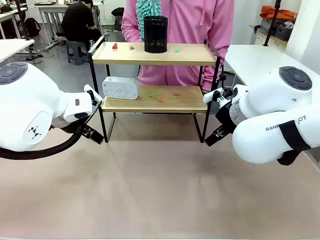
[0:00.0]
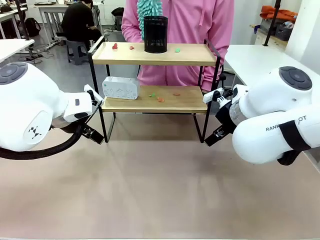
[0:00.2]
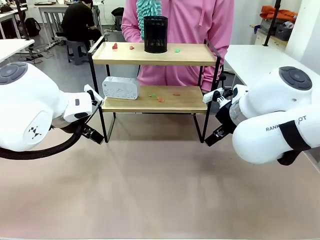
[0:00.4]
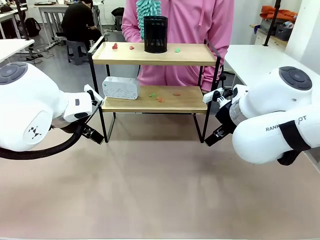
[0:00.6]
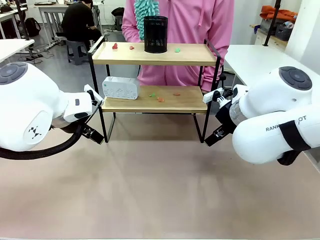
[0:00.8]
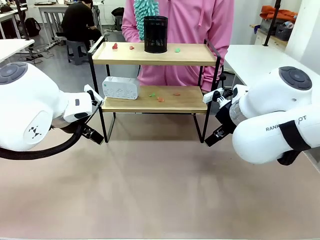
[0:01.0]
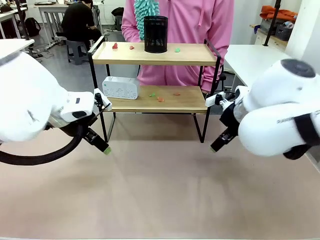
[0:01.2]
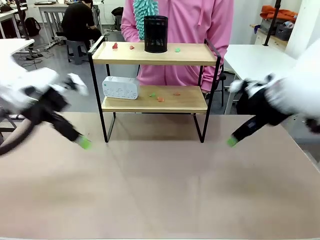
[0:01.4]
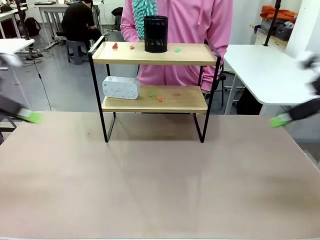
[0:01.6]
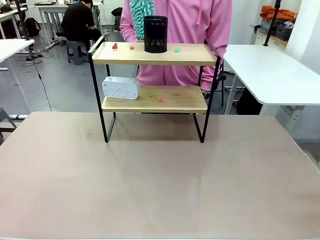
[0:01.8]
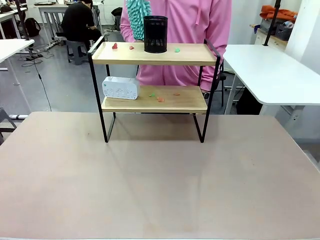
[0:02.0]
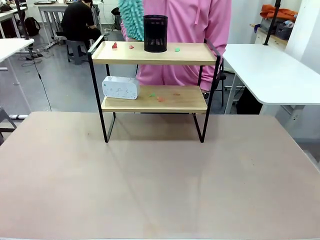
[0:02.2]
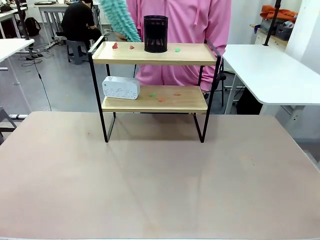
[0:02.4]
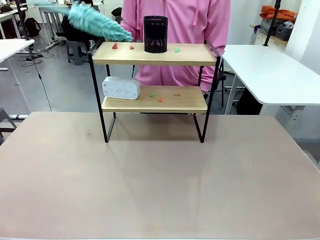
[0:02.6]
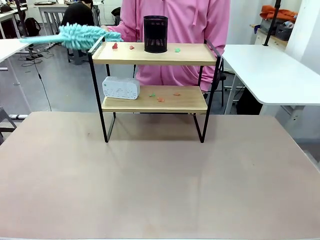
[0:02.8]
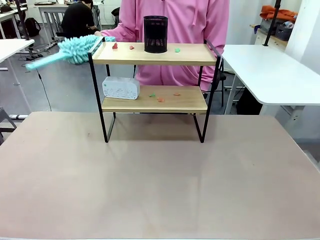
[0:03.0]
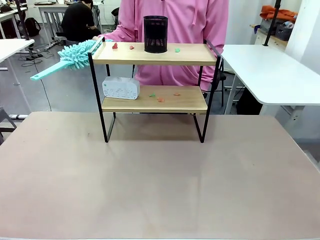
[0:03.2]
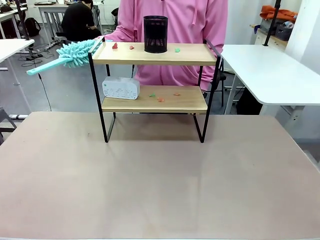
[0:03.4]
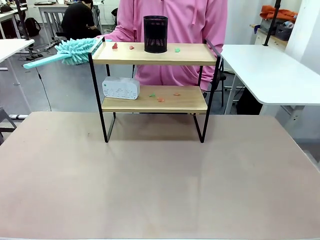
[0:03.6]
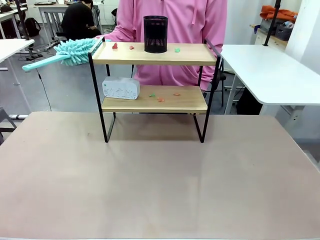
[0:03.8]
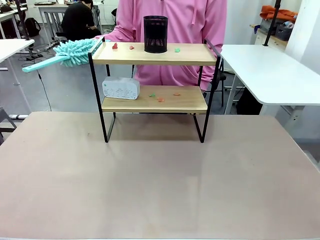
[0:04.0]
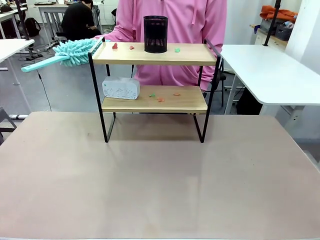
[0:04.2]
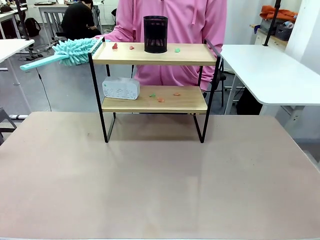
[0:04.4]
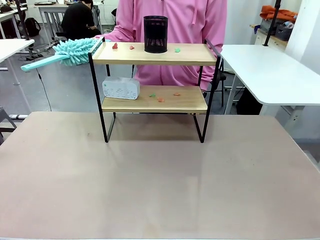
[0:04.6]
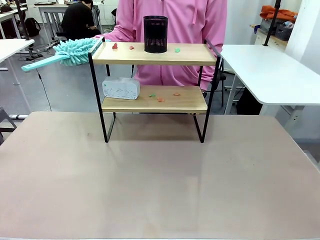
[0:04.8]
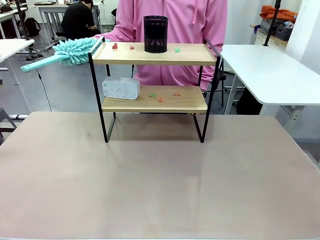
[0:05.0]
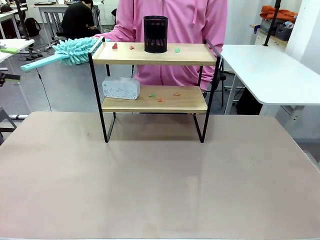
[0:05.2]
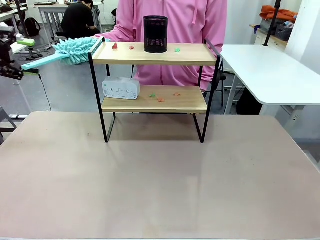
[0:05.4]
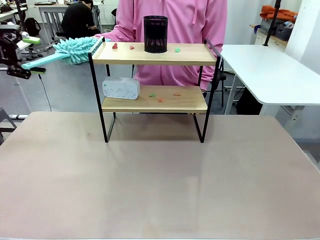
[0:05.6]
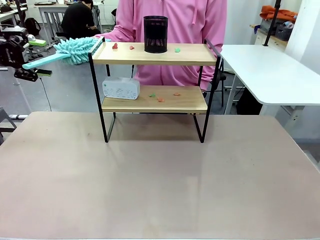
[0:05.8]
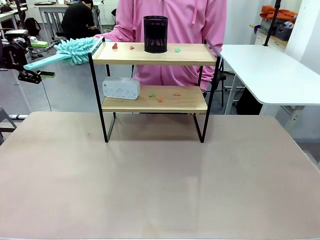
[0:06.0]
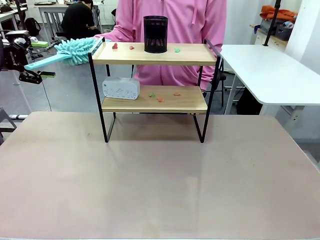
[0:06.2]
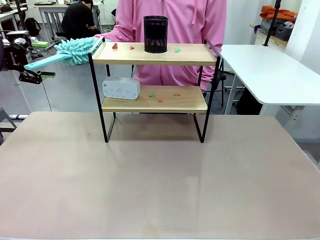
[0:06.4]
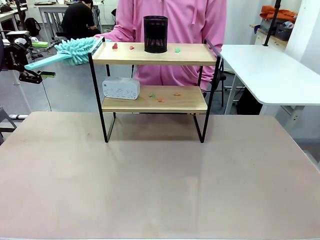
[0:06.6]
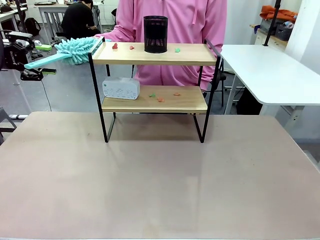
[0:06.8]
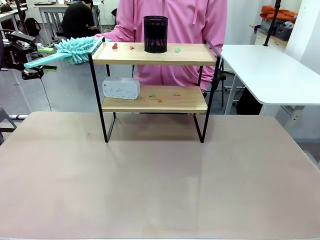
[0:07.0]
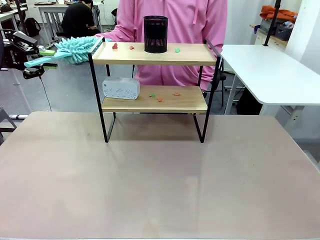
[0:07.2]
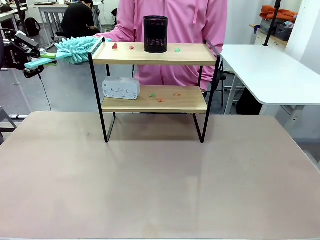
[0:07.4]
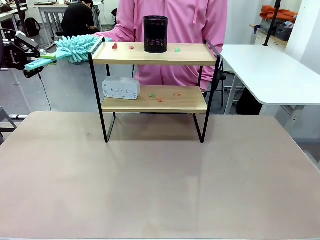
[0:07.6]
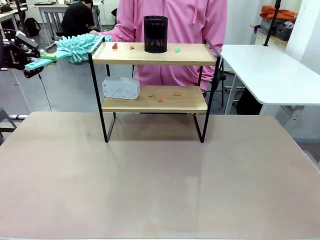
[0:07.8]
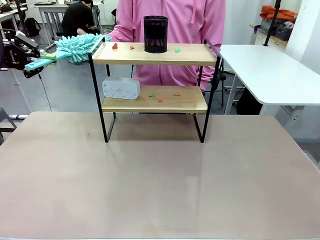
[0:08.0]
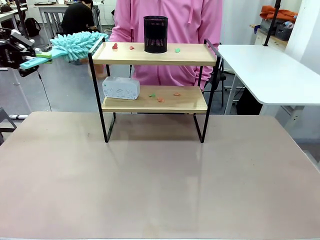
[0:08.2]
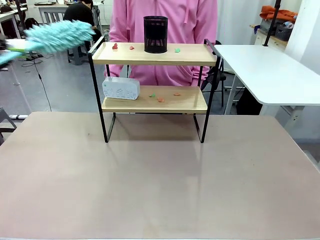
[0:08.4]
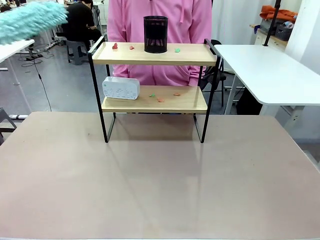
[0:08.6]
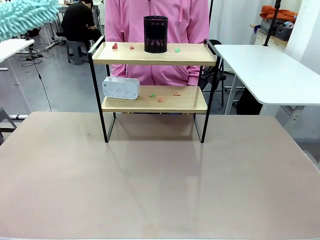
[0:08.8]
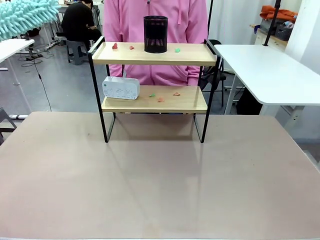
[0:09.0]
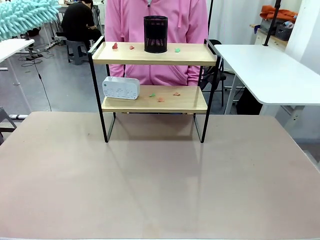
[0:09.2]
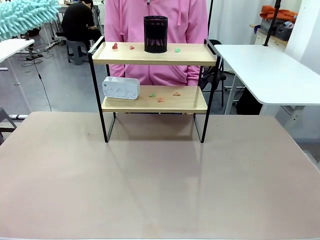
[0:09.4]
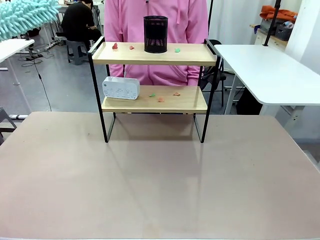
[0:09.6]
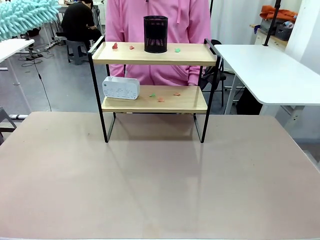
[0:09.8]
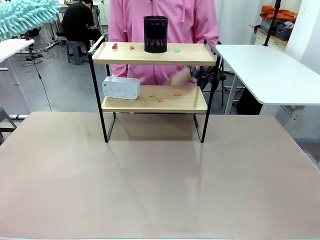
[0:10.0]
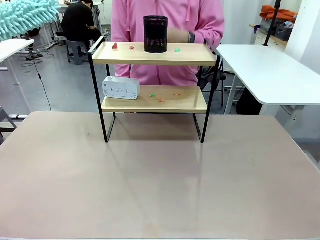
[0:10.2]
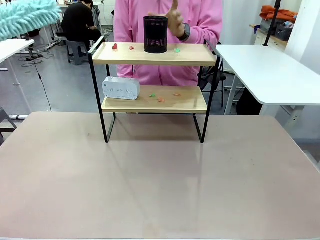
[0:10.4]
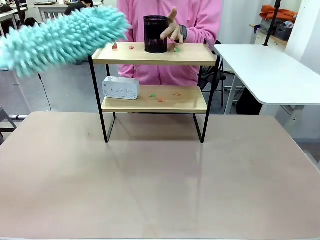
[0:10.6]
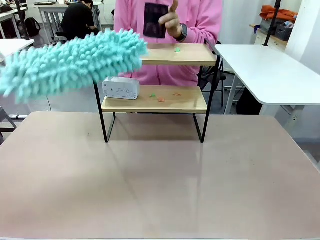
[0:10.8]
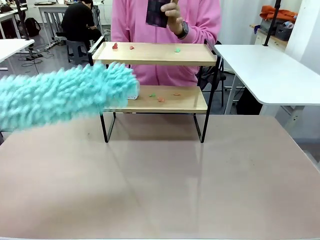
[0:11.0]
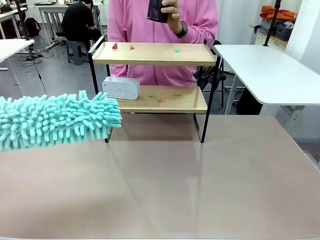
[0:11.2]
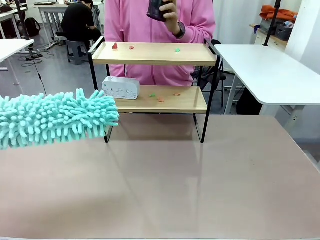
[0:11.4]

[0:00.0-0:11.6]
Task: Clean the shelf.
Robot: Pick up the Duster from the human.
Person: Hand the Duster to the robot. Lift the objects on a randomly selected tier of the Shelf.

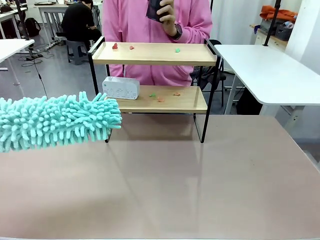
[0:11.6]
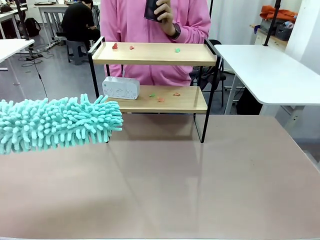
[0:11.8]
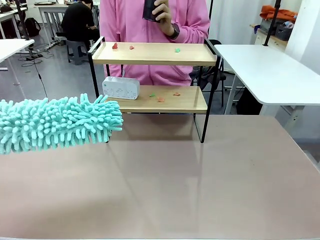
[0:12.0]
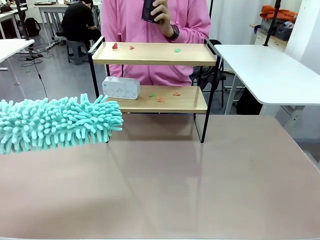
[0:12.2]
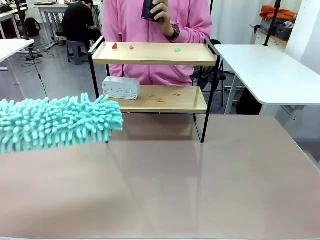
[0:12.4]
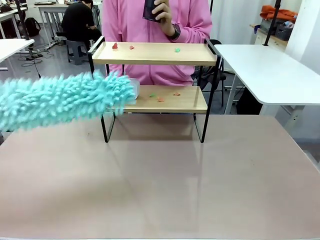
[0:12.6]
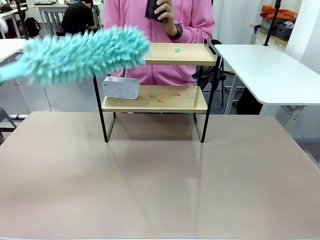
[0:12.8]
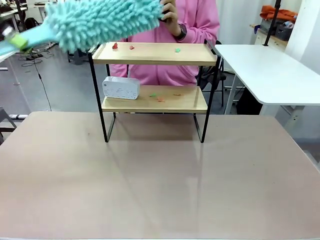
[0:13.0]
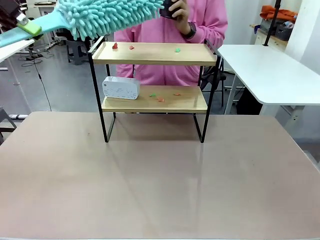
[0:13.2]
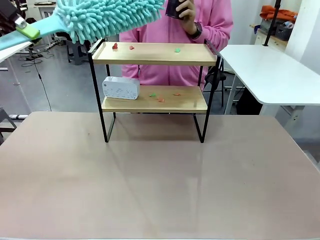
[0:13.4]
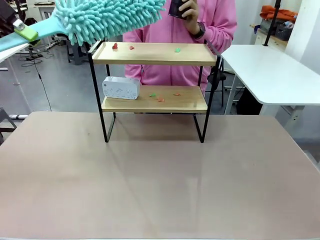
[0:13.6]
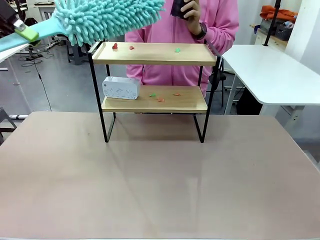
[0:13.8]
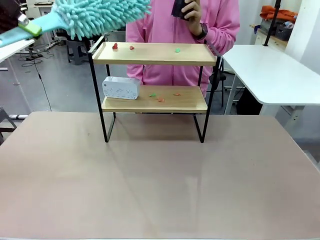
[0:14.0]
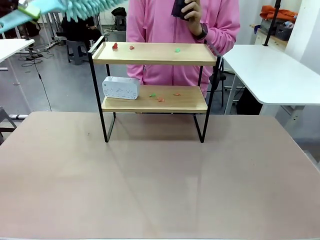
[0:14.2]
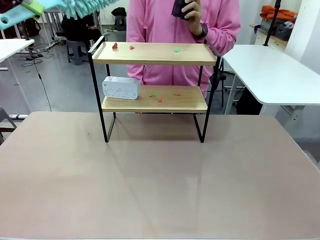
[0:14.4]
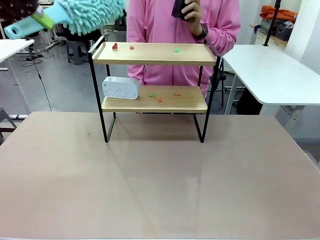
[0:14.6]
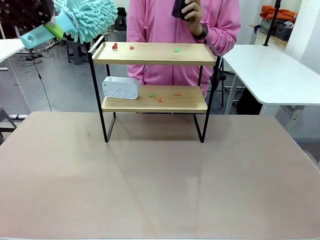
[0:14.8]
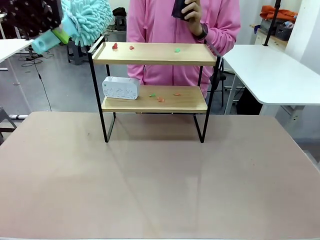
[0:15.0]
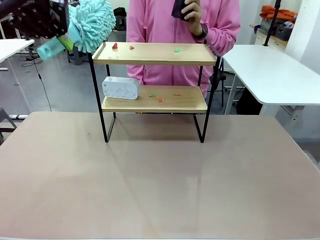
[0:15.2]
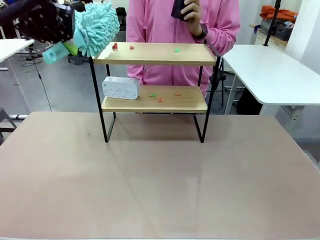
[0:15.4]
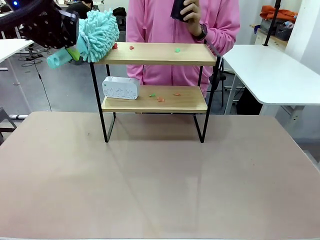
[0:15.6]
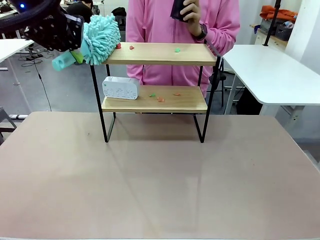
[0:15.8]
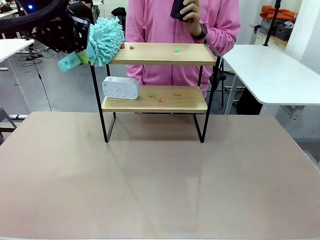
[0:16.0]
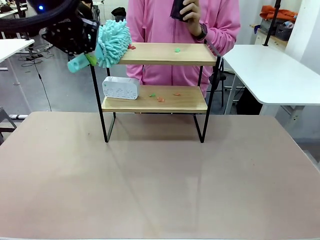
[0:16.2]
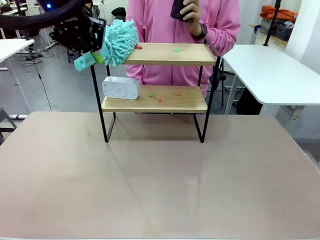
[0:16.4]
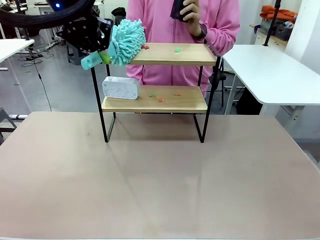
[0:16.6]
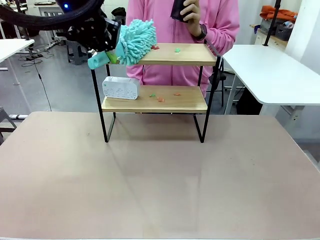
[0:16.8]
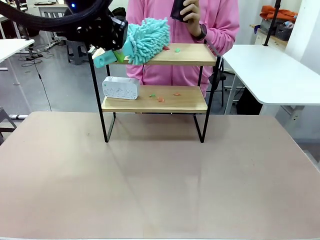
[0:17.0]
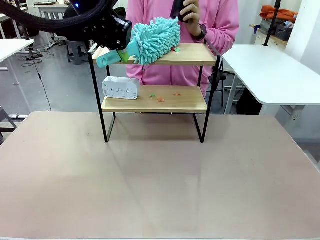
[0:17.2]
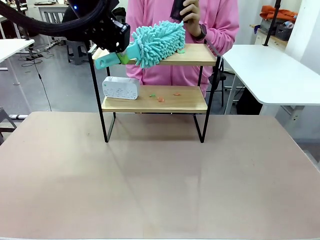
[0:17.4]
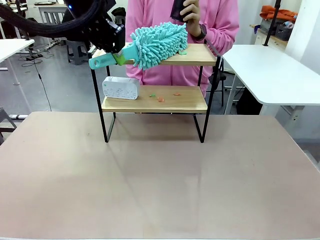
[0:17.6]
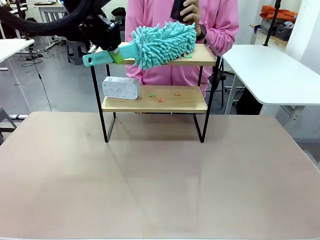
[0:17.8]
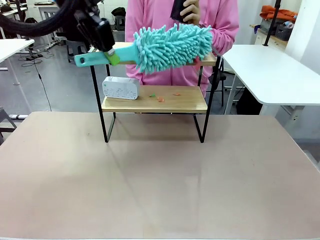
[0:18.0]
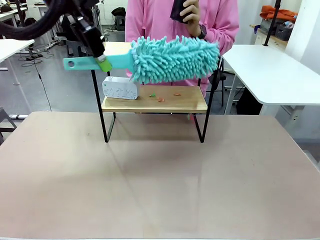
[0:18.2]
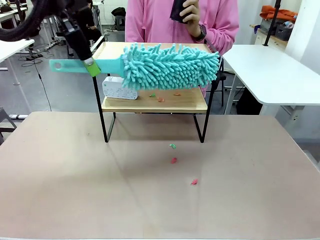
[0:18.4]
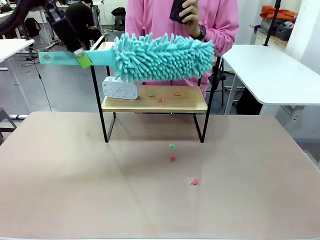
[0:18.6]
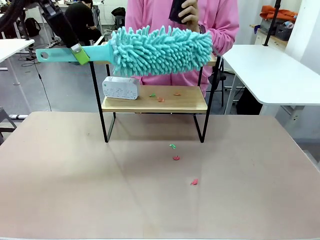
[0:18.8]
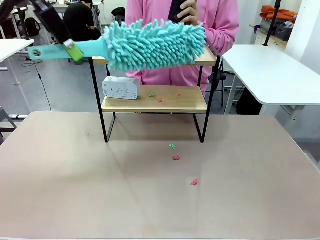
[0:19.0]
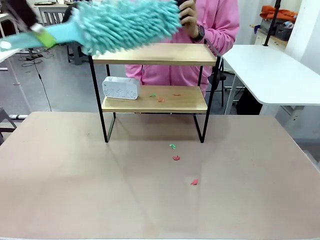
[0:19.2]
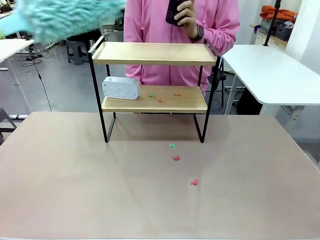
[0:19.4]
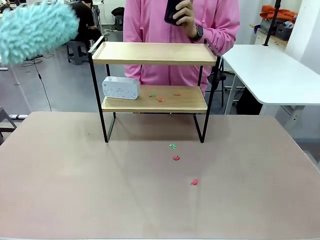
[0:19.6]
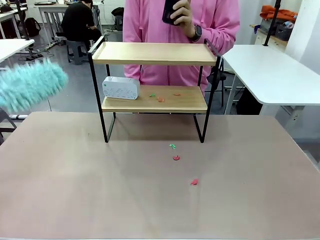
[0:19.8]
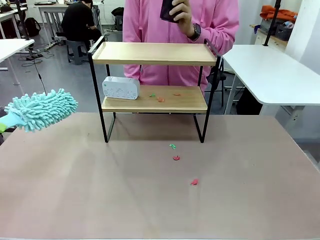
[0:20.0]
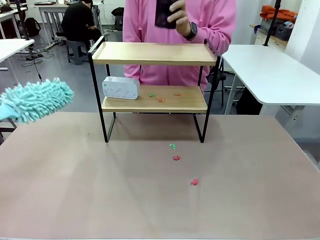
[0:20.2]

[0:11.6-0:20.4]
Robot: Clean the specific tier of the Shelf with the Duster once objects are removed.
Person: Once the robot finishes cleaning, lift the objects on the remaining tiers of the Shelf.
